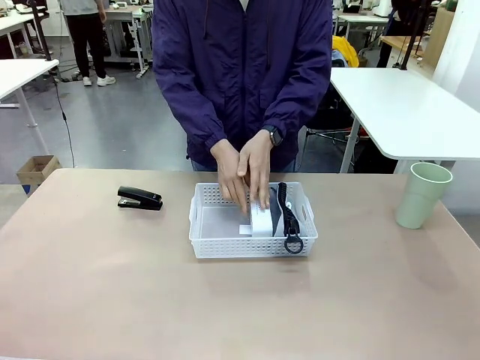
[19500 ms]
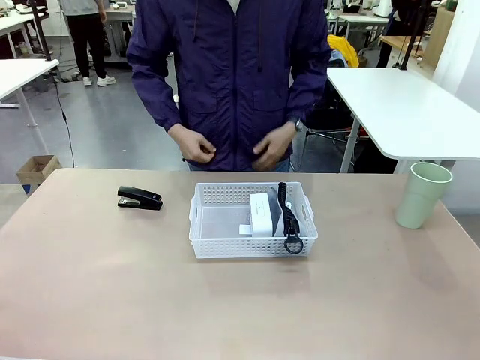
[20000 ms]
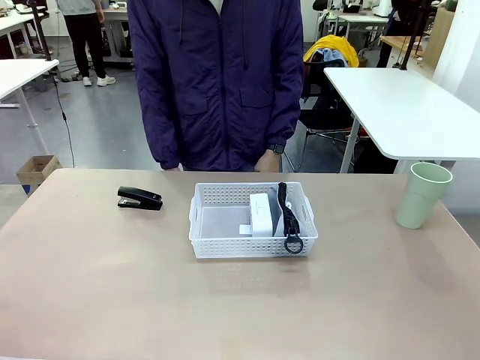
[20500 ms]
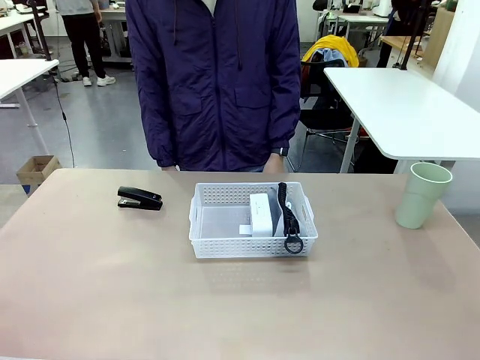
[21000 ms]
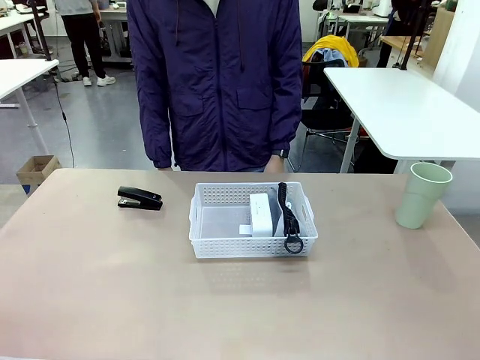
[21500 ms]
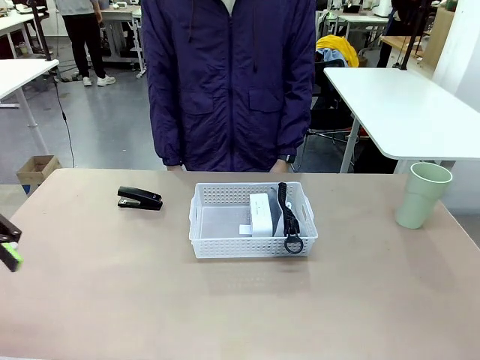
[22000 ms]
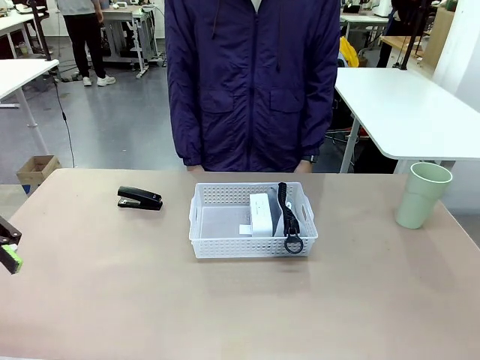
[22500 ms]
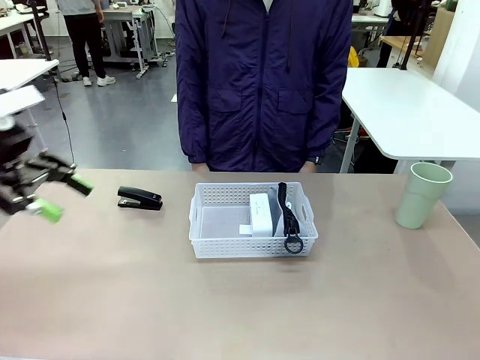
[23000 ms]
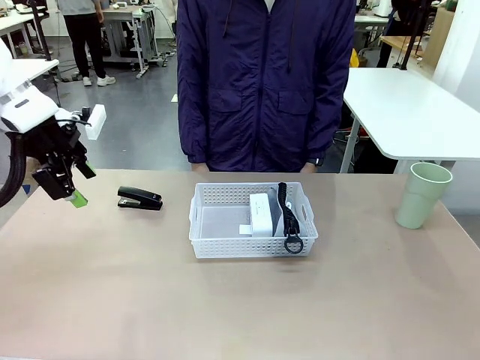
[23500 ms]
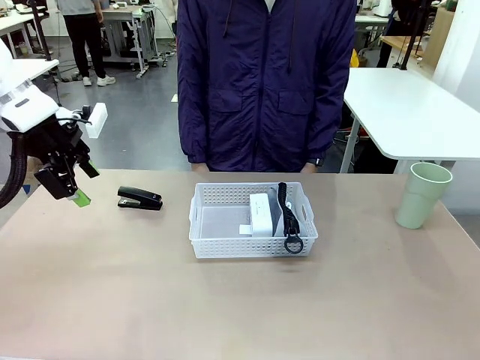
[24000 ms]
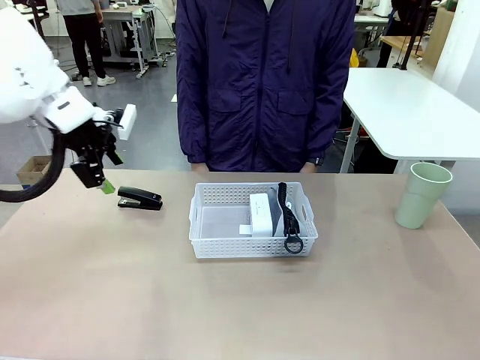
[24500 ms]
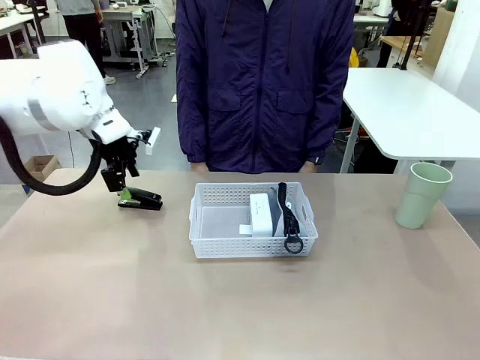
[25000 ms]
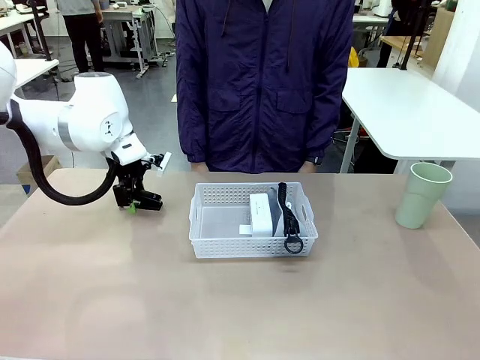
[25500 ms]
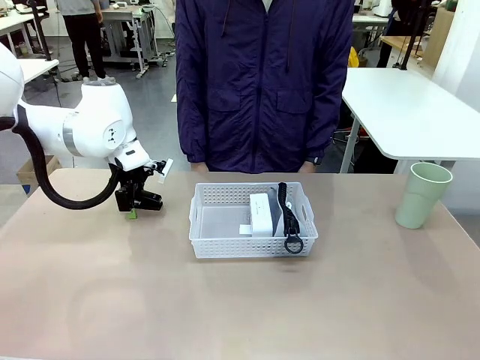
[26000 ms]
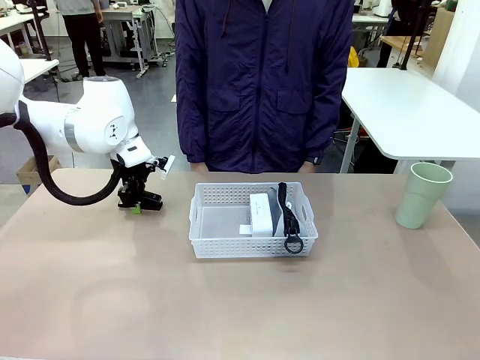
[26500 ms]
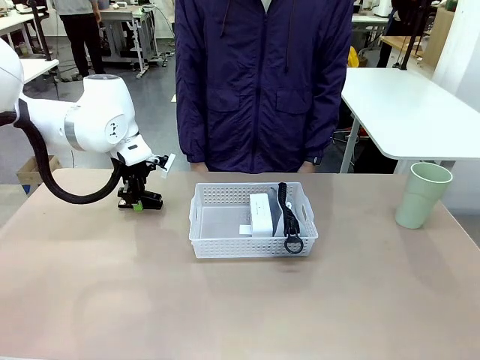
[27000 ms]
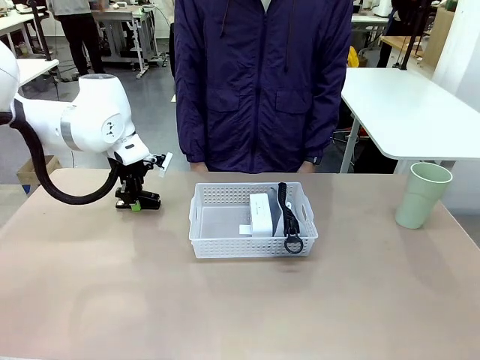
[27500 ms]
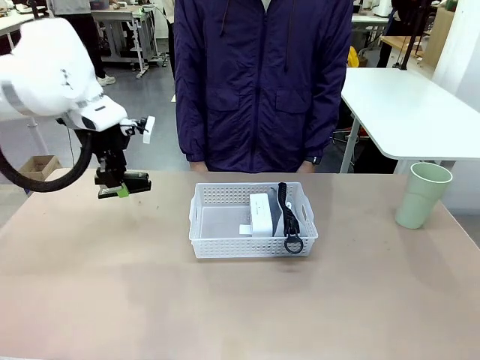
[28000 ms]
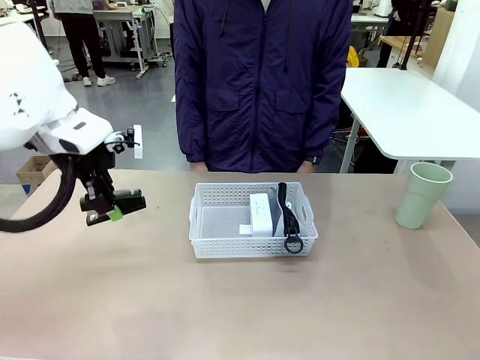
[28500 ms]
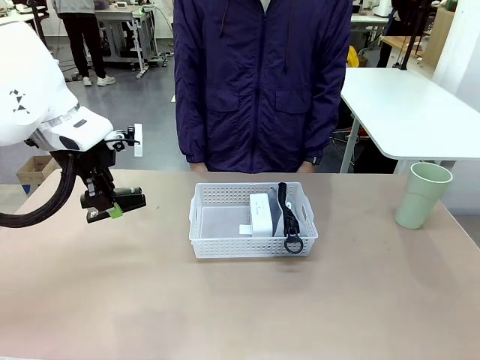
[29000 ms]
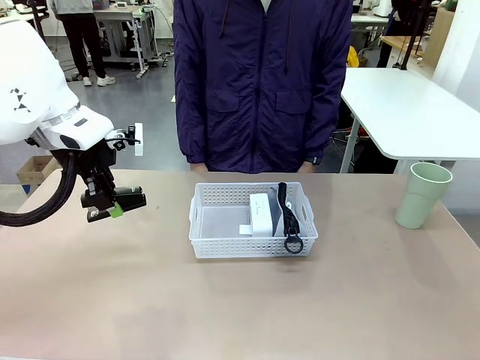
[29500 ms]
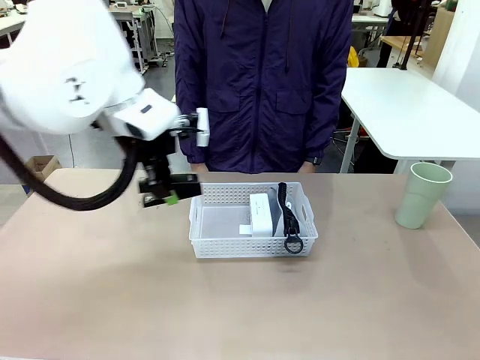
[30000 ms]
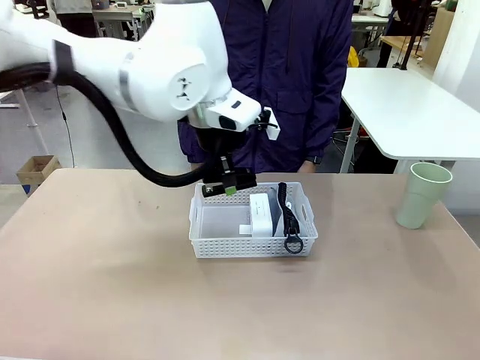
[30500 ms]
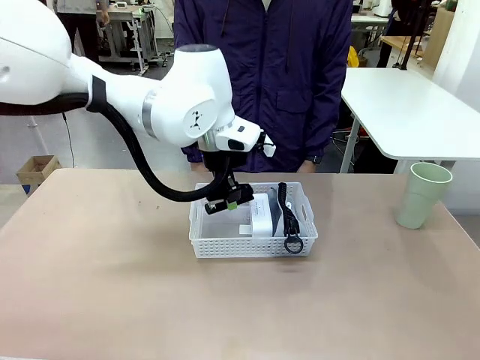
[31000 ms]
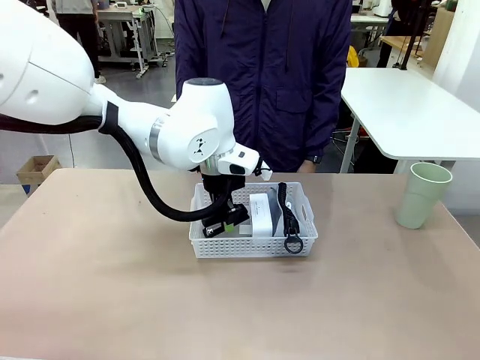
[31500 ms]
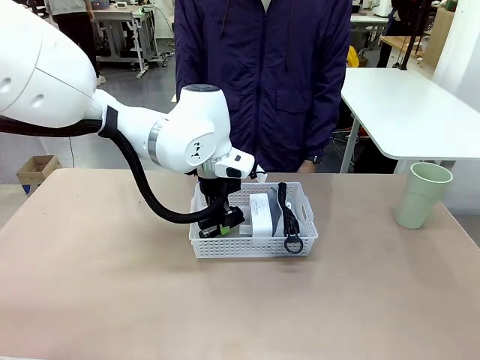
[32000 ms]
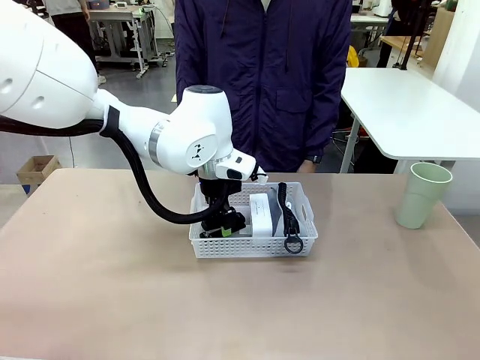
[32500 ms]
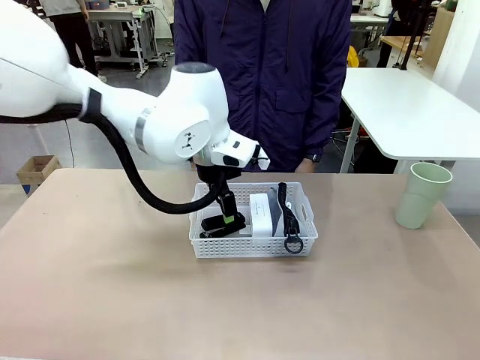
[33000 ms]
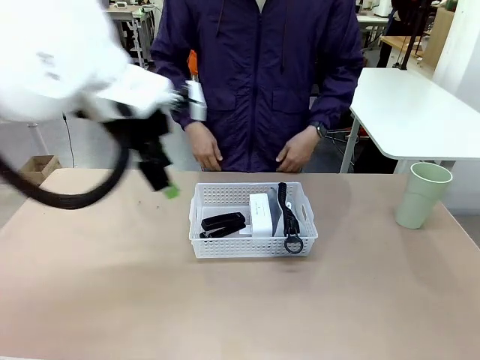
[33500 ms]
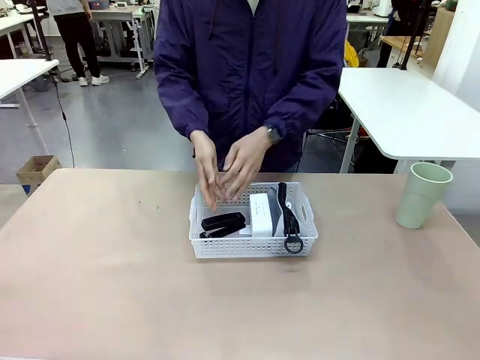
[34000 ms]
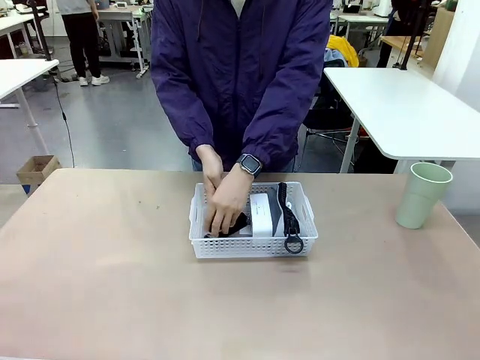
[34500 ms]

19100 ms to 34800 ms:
Task: Efficiently arrange items inside the basket to fit them all.
Robot: Pick up the Stapler and place it inside the Organizing basket.

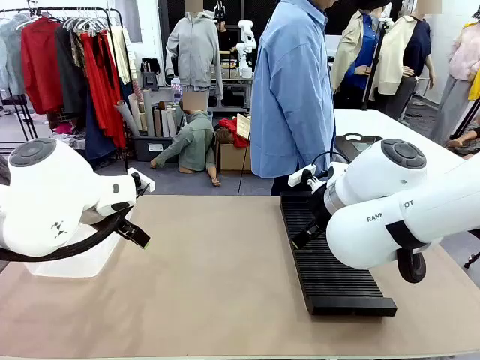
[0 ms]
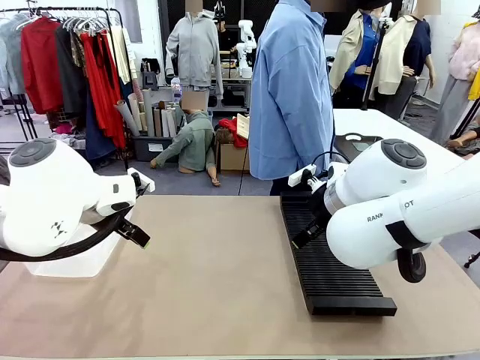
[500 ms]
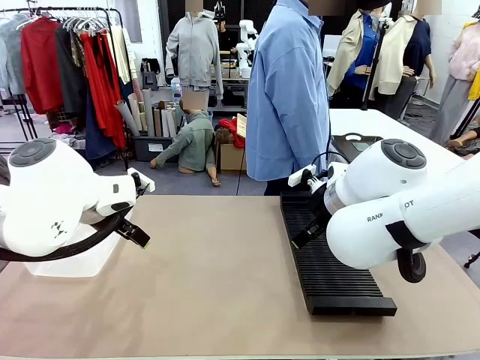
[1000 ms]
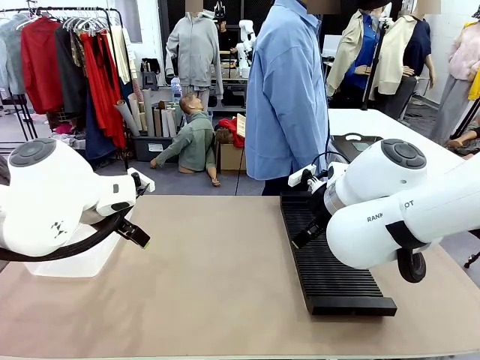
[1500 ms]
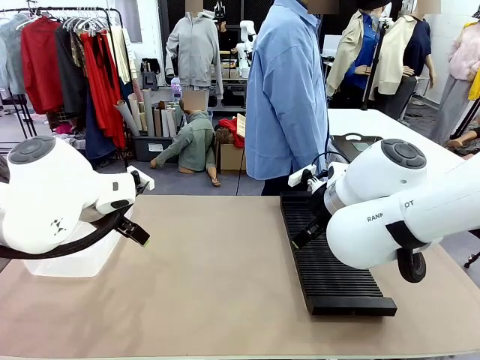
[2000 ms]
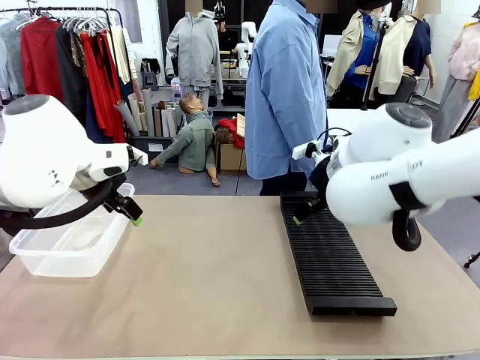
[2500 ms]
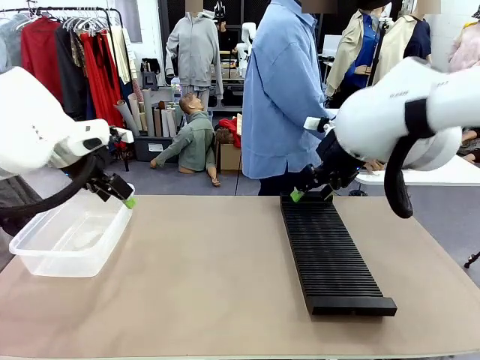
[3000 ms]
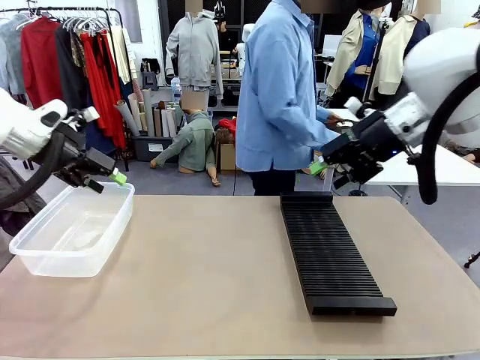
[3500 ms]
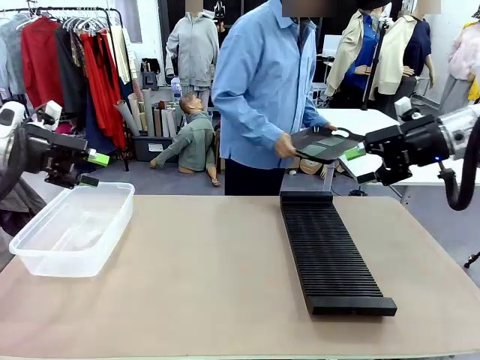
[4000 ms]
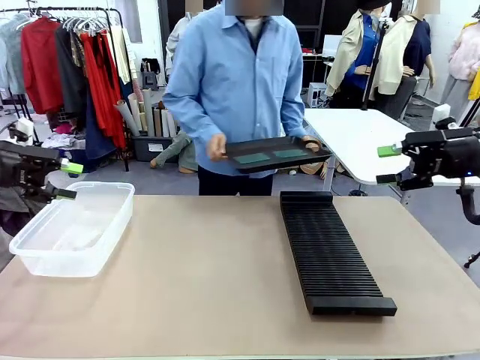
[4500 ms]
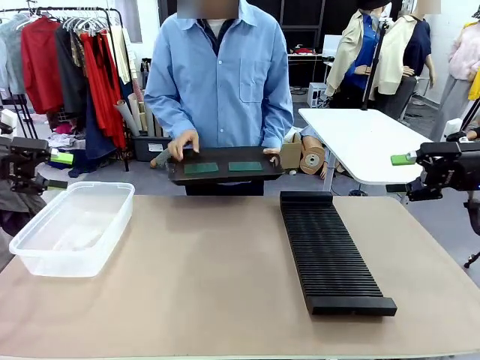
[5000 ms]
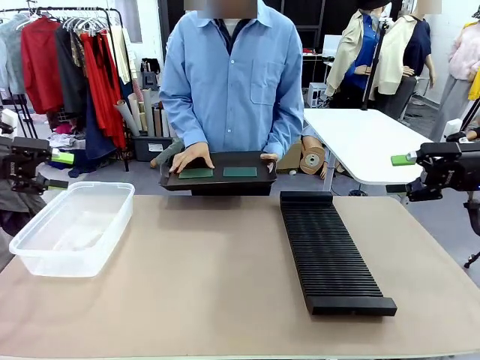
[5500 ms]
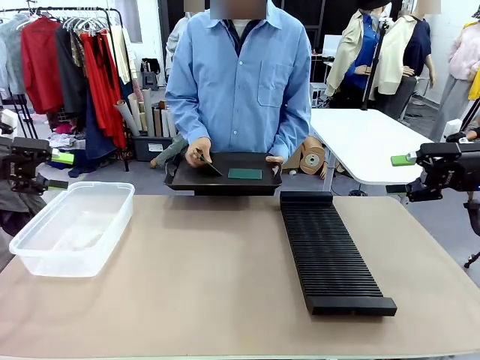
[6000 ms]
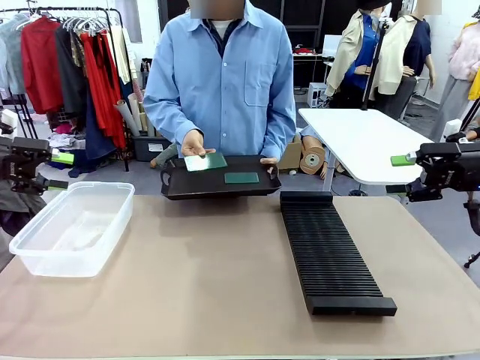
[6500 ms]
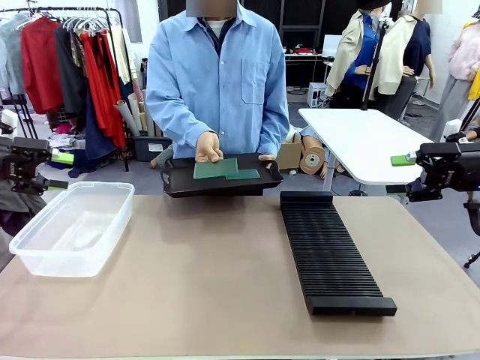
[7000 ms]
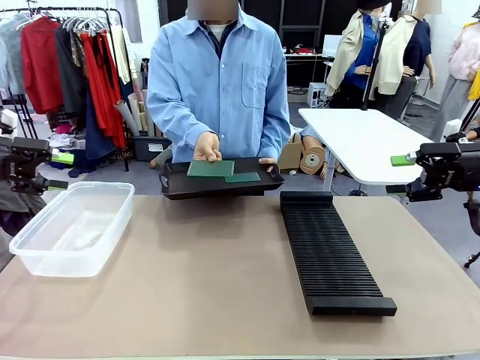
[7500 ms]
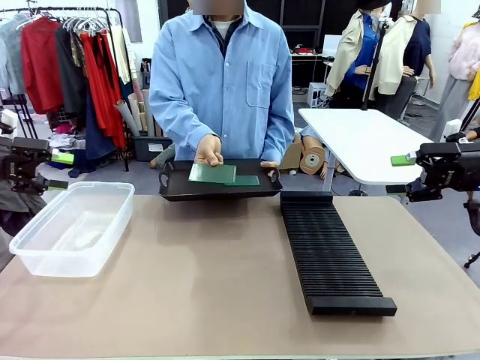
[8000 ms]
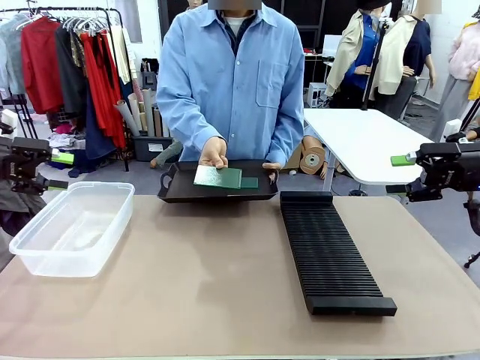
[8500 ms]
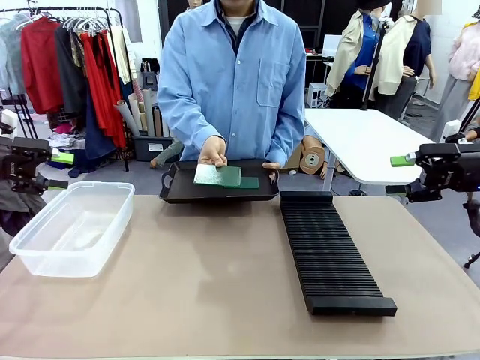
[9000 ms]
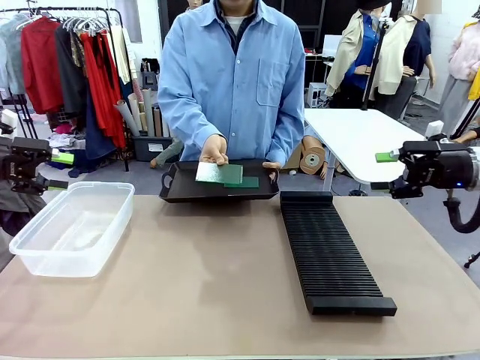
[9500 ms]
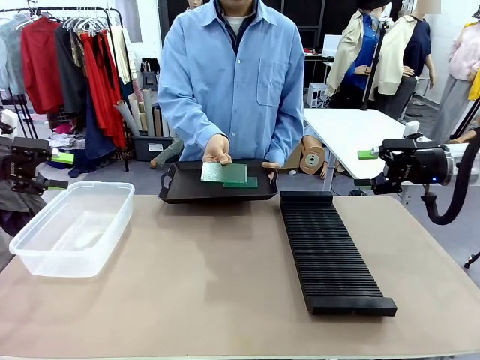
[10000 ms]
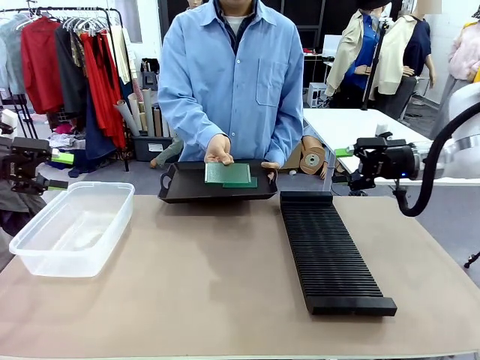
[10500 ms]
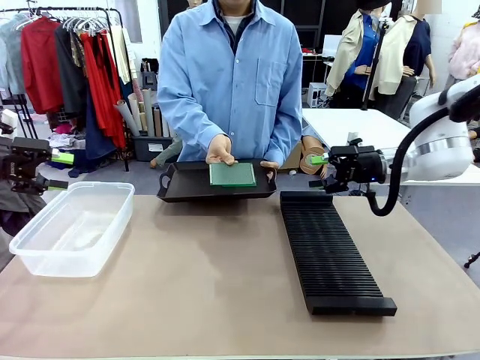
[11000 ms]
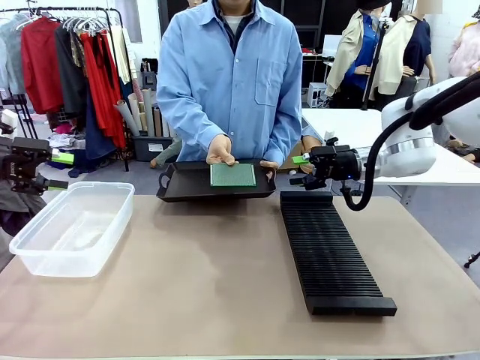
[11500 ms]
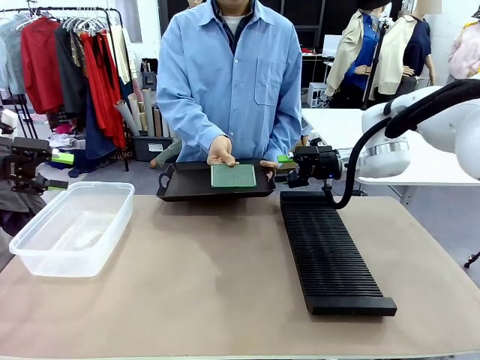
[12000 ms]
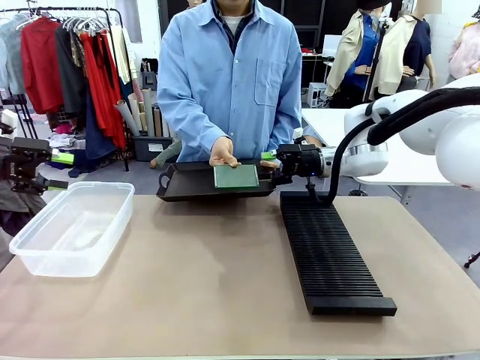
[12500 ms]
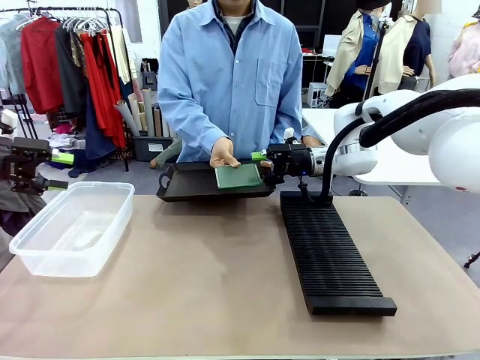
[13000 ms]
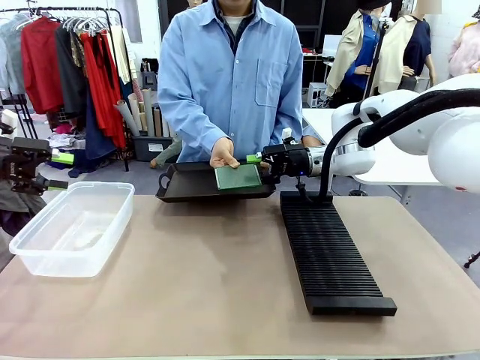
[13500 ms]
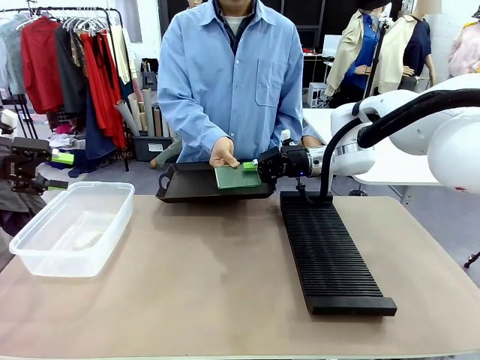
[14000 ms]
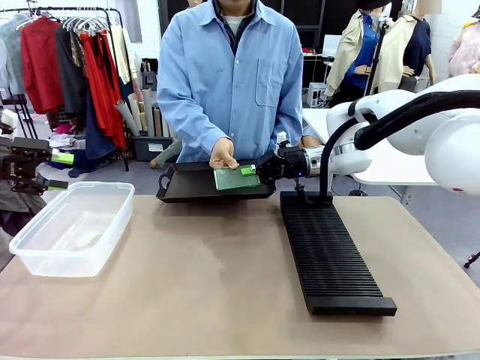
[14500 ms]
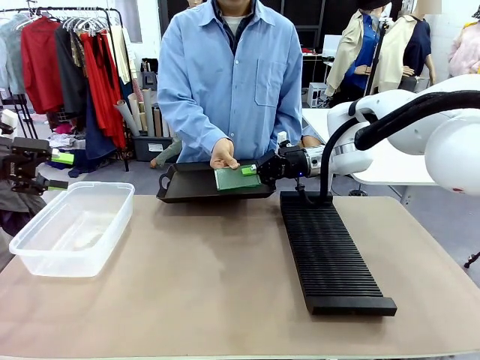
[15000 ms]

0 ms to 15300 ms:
Task: Sort PCBs into racks and boxes based on the side picked up.
Robot: Pick up the Blank PCB handed by the Human.
Person: Pick one PCB from the tray and present it to the robot. Release the PCB being held.
